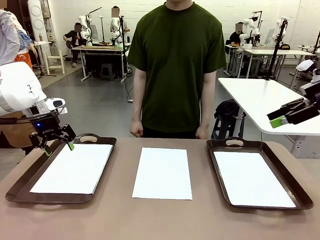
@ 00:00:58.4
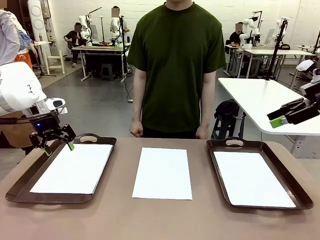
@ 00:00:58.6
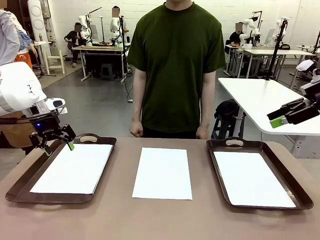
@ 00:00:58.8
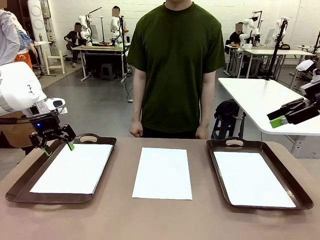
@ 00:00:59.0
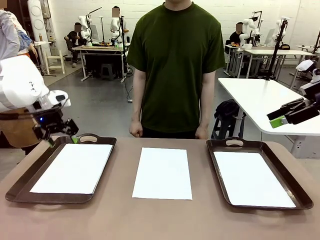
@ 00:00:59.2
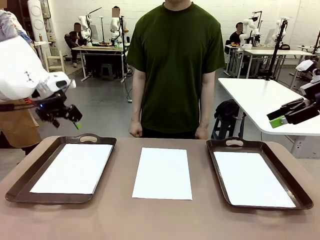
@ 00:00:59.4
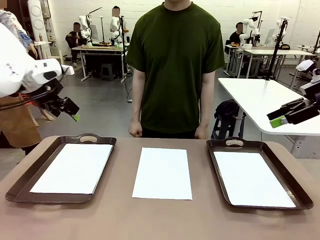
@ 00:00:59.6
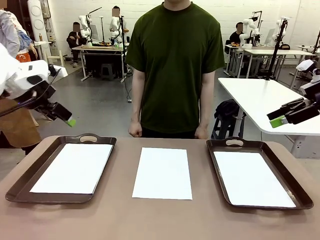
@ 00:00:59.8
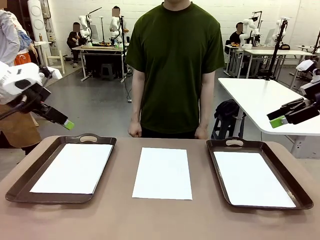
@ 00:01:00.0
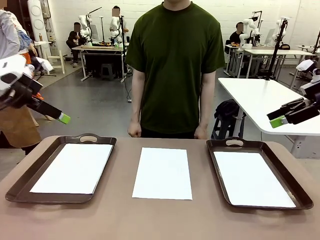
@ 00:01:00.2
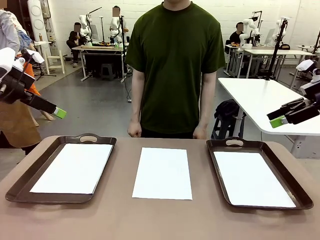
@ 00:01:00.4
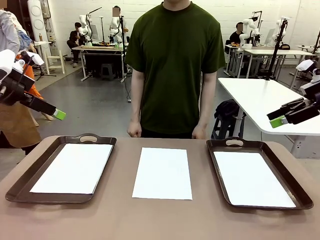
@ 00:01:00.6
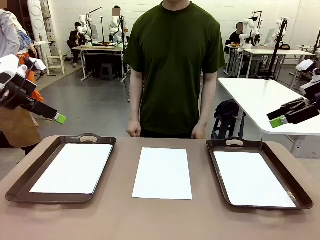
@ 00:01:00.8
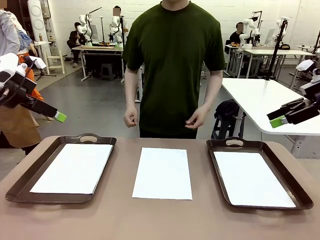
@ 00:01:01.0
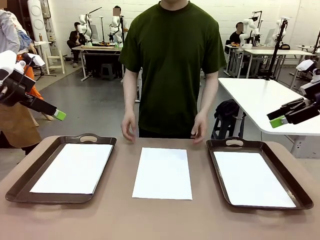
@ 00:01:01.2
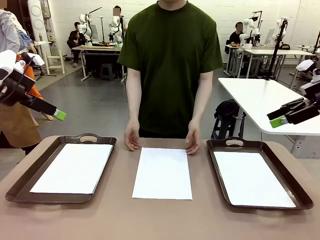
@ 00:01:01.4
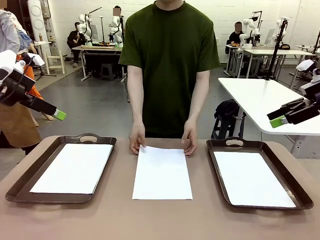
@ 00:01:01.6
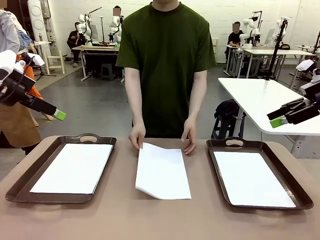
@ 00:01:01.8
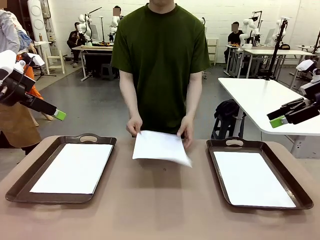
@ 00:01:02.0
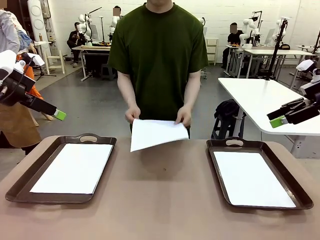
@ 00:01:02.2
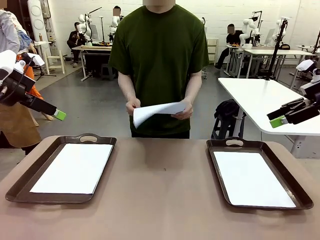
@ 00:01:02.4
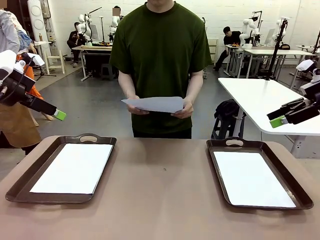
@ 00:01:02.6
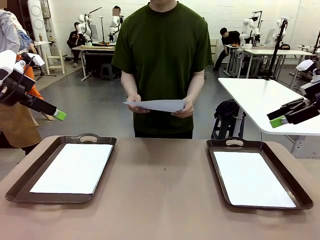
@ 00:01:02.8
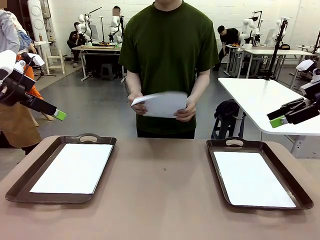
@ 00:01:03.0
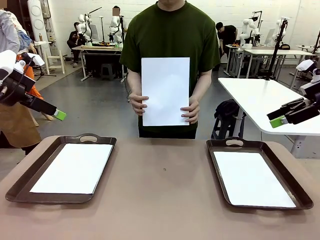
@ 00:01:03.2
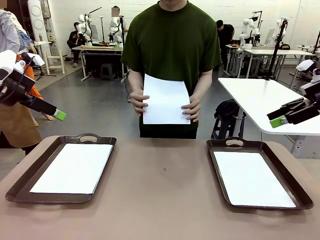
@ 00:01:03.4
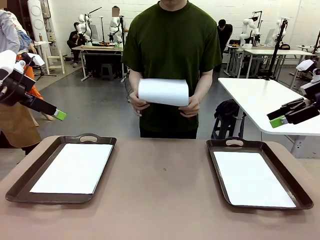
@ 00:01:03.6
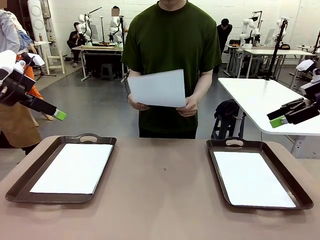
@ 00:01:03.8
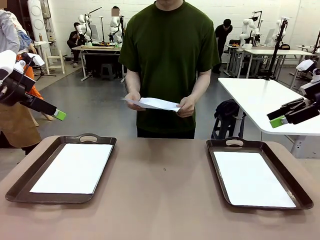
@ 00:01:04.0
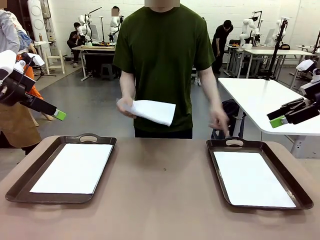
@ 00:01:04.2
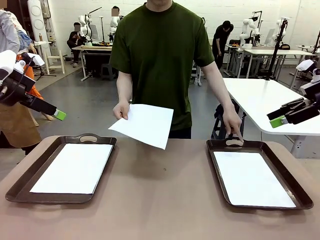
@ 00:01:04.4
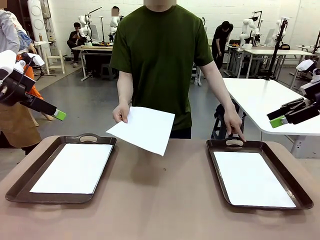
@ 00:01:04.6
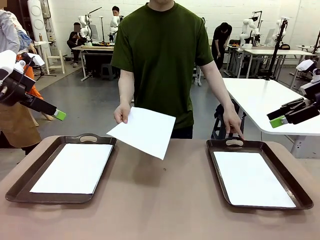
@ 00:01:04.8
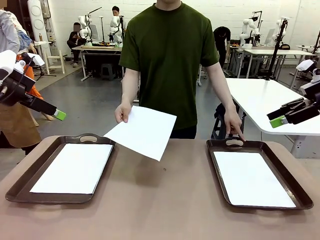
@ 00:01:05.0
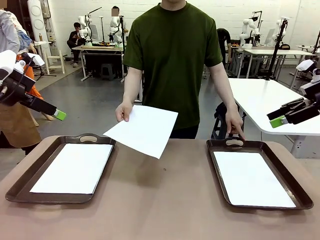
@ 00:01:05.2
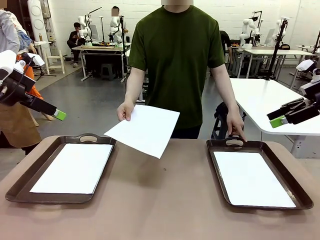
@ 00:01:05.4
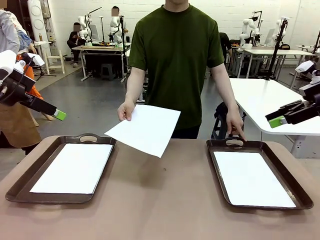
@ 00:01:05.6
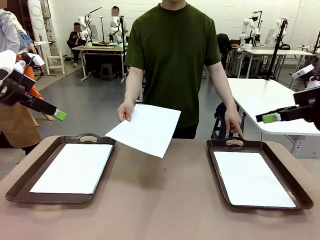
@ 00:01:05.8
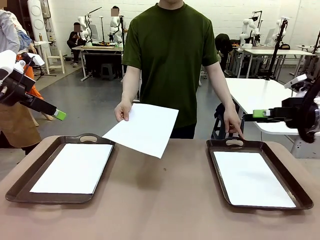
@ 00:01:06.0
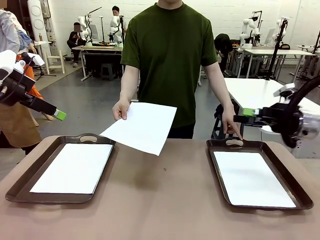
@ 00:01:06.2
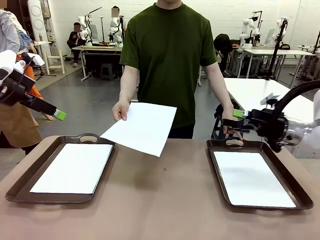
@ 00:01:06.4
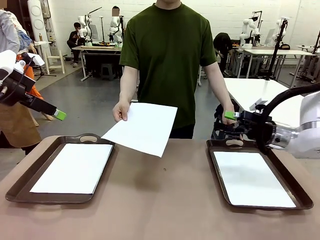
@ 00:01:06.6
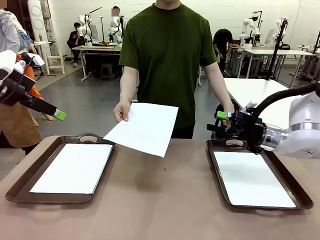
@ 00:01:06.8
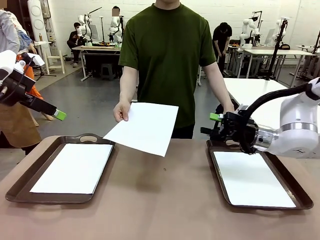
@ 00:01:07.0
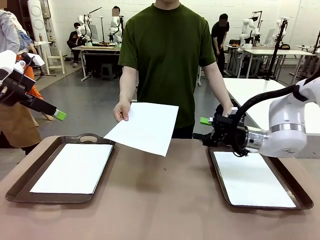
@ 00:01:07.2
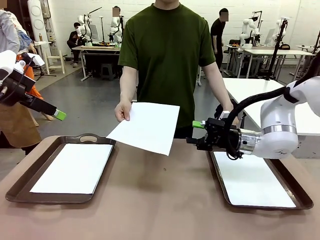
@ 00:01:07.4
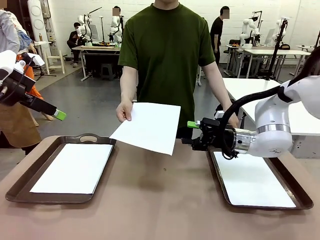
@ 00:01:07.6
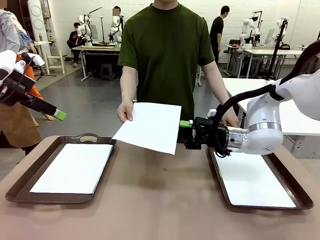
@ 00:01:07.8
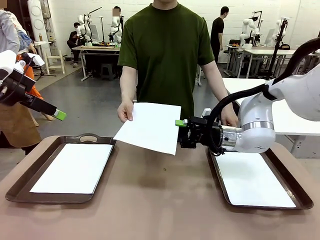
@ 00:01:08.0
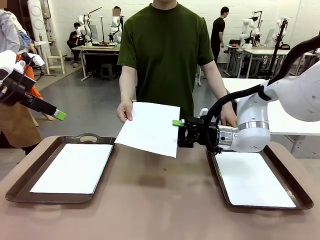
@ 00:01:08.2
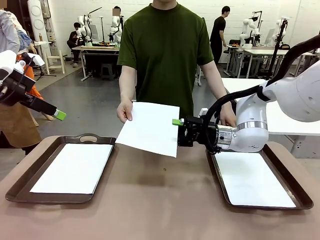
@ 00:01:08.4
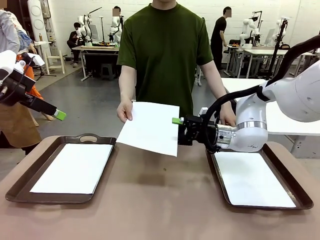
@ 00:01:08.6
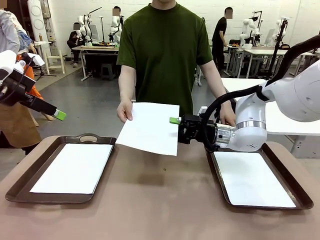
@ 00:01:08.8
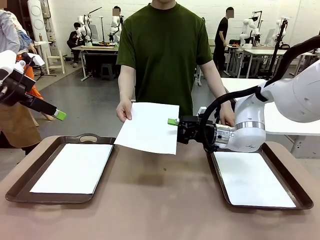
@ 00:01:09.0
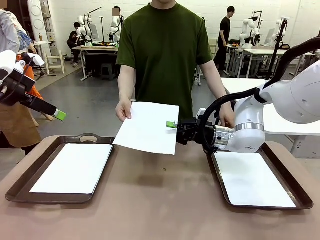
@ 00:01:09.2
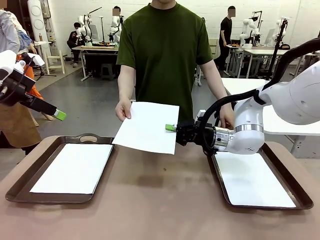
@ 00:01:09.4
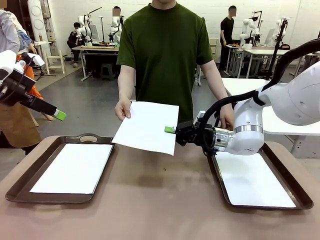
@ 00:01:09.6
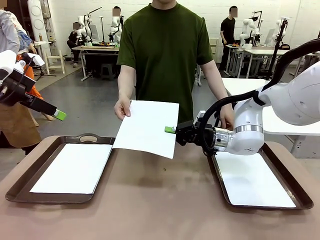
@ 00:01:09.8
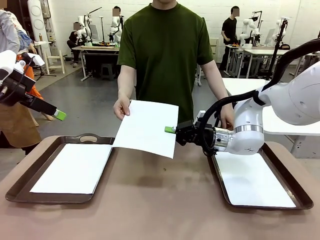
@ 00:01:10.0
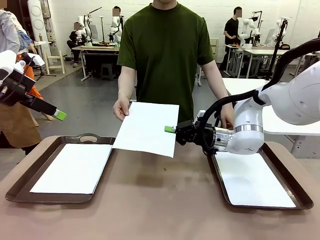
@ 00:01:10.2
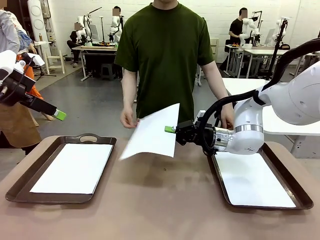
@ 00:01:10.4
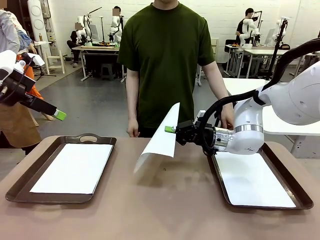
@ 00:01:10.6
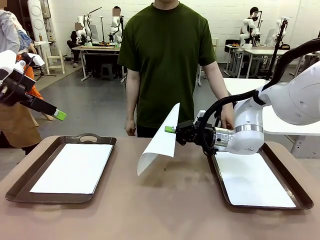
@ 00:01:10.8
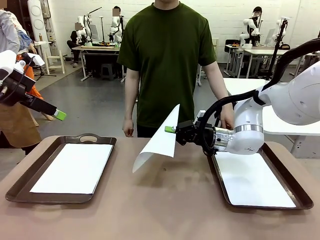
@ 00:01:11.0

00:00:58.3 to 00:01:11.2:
Task: Sort the A4 documents.
Robot: Receive the A4 Paper.
Person: Point the randomly selected tray with the other hand.

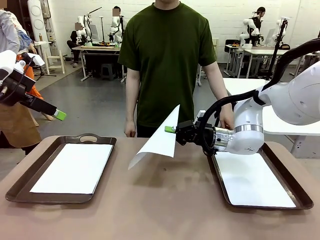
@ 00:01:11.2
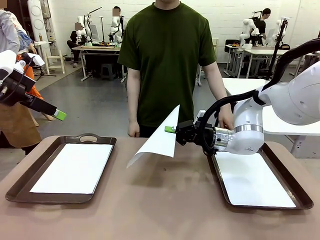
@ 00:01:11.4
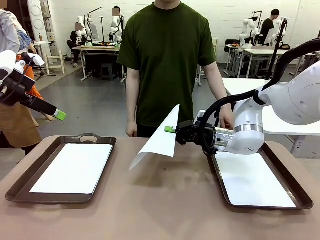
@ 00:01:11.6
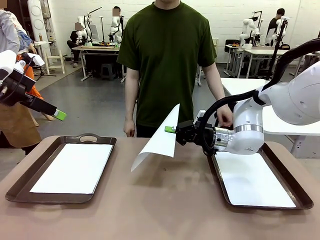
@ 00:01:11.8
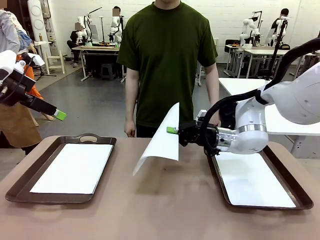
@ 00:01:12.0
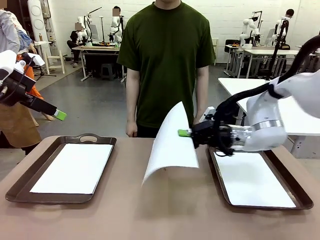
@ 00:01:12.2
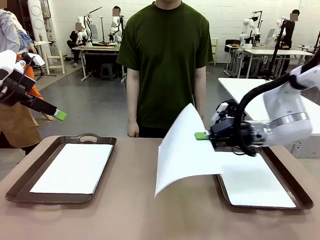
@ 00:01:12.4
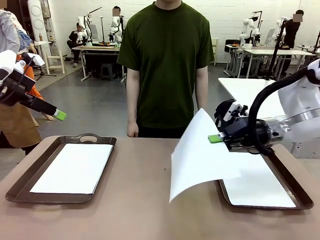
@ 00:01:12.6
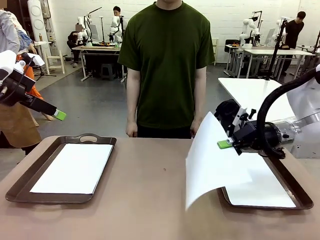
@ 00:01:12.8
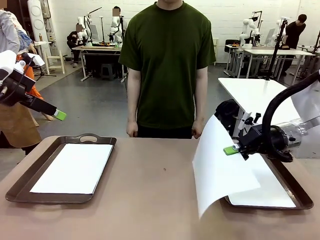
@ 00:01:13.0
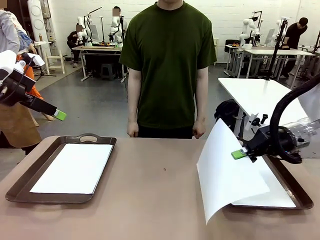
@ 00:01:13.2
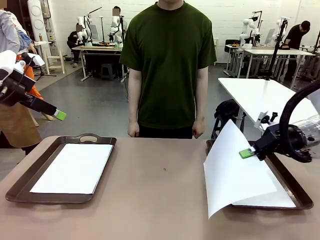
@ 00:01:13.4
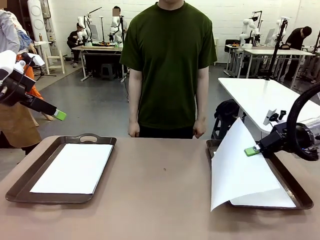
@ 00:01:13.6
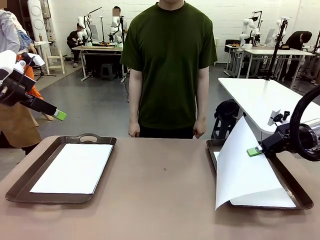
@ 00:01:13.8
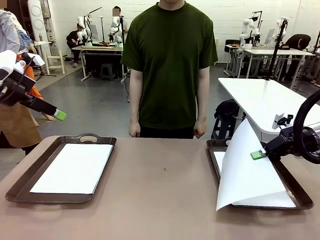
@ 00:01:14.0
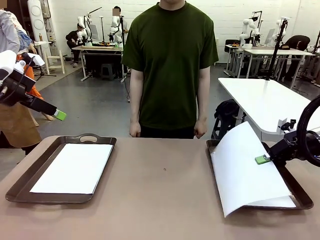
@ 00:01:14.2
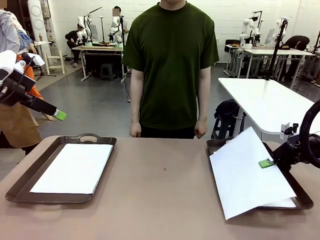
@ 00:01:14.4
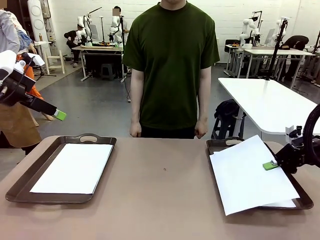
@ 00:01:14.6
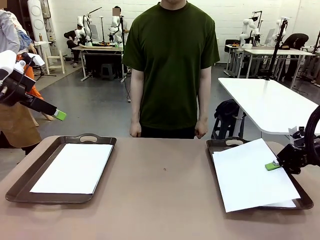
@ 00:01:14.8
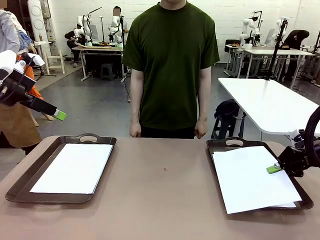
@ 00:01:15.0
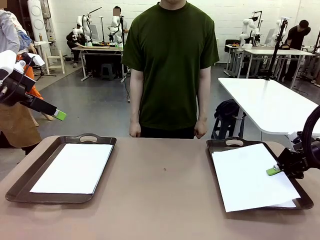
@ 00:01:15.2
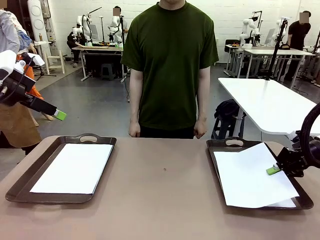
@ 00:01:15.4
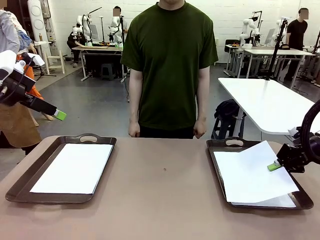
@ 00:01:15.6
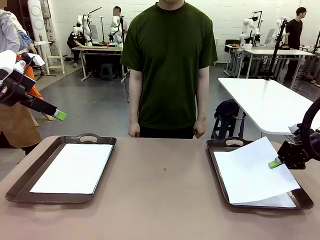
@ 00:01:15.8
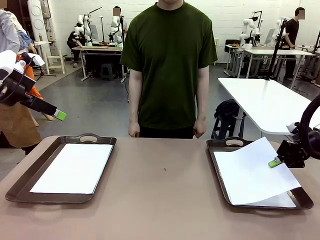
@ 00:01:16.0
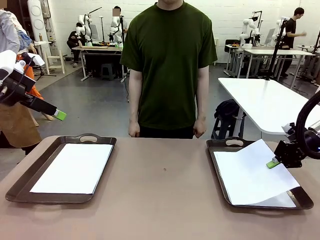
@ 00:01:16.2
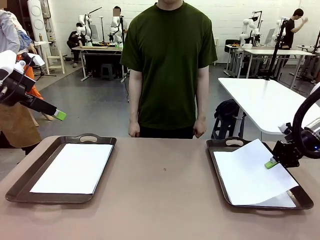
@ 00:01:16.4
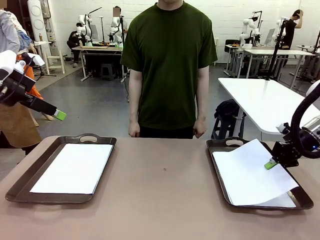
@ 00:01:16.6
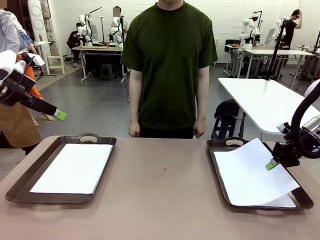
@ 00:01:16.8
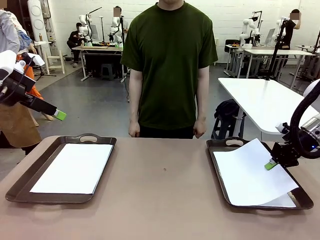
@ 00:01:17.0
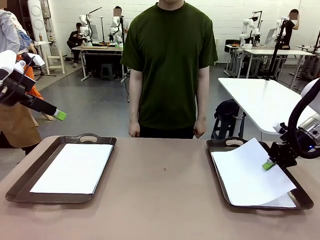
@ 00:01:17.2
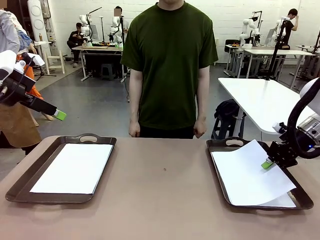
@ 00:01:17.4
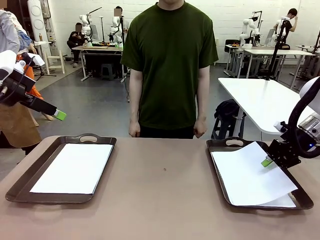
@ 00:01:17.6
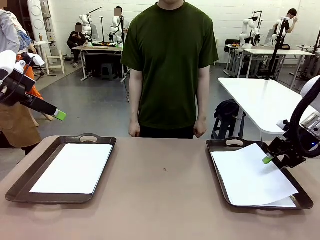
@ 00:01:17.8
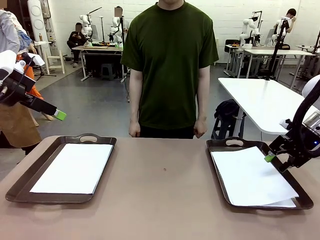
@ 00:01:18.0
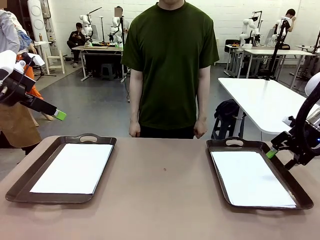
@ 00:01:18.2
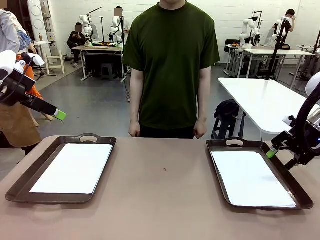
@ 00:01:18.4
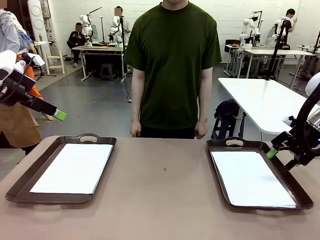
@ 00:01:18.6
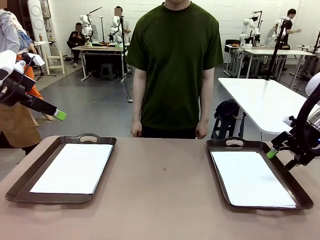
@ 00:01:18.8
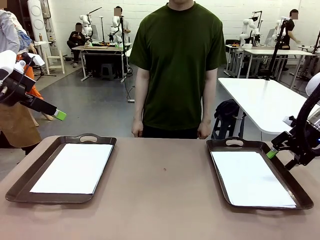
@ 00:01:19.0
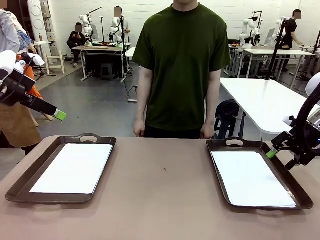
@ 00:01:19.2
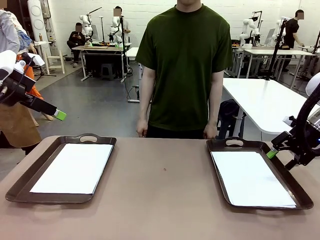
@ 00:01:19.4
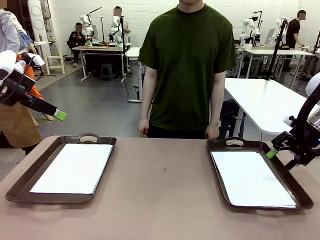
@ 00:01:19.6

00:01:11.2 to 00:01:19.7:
Robot: Place the A4 Paper in the designated Handle tray.
